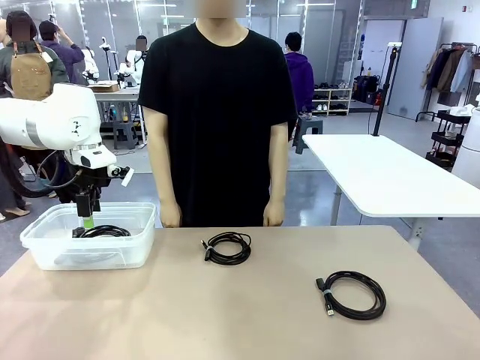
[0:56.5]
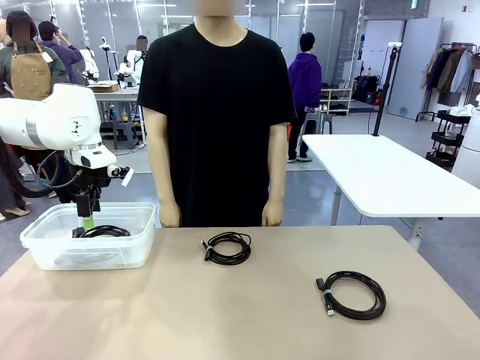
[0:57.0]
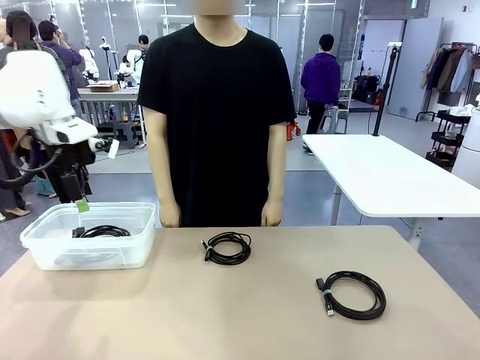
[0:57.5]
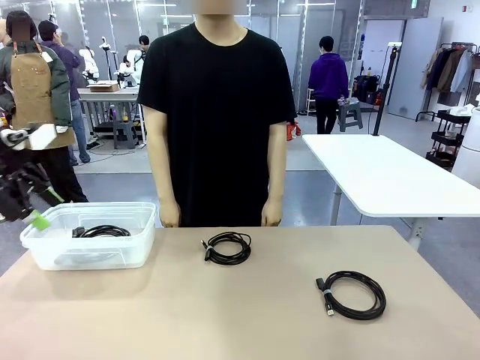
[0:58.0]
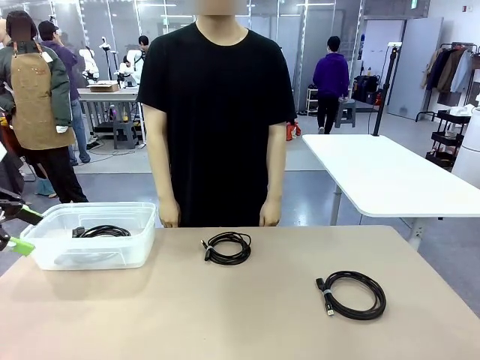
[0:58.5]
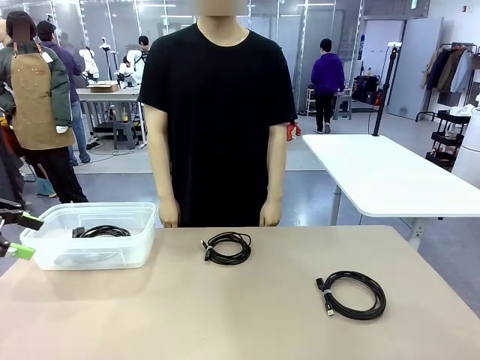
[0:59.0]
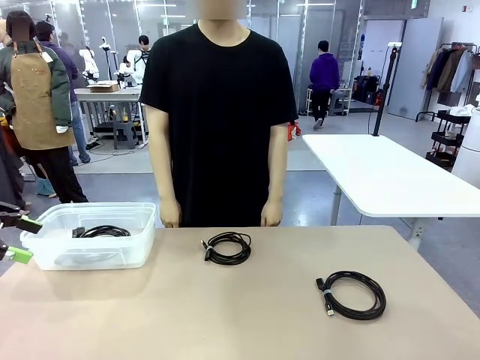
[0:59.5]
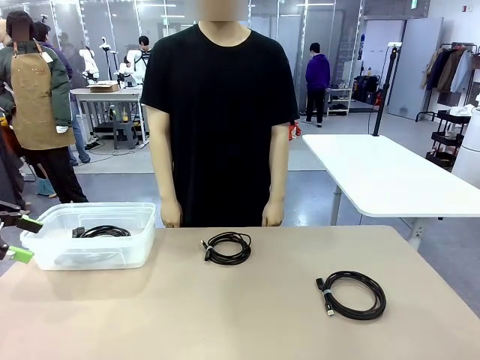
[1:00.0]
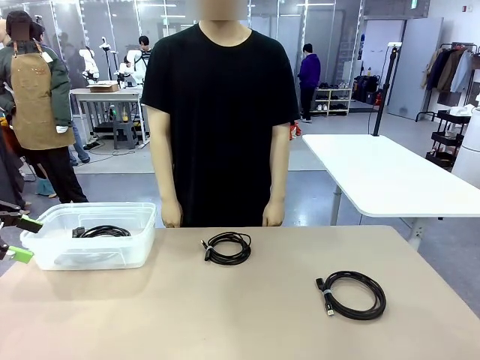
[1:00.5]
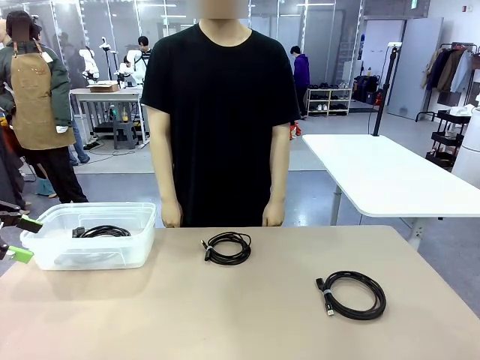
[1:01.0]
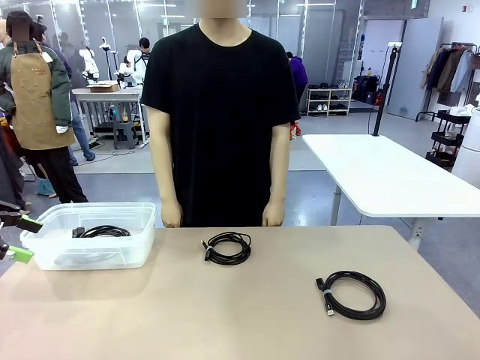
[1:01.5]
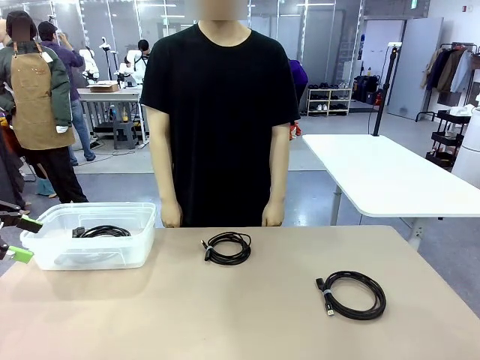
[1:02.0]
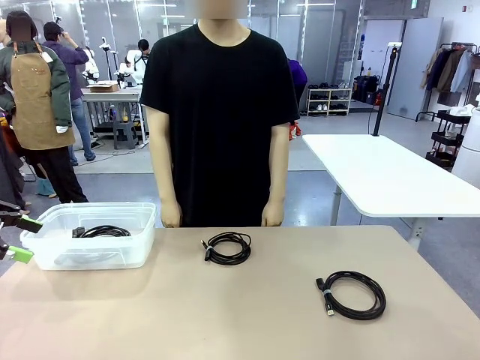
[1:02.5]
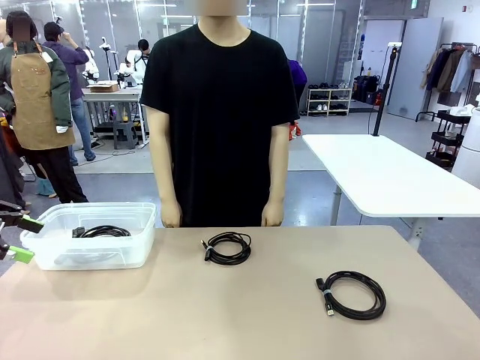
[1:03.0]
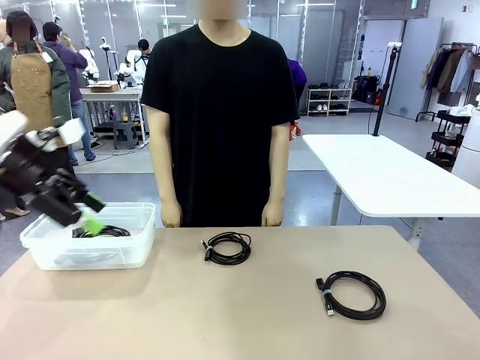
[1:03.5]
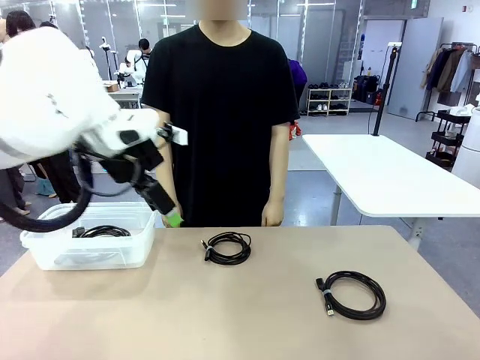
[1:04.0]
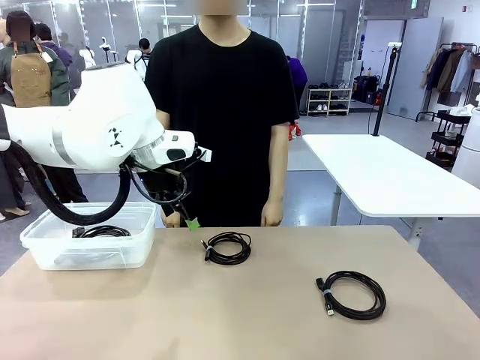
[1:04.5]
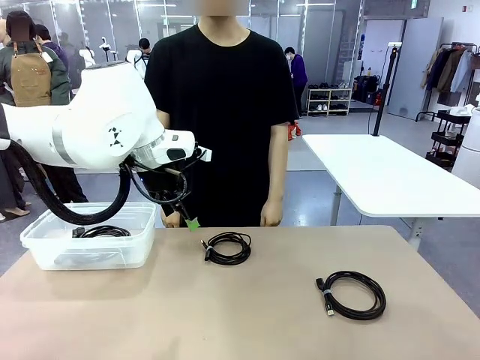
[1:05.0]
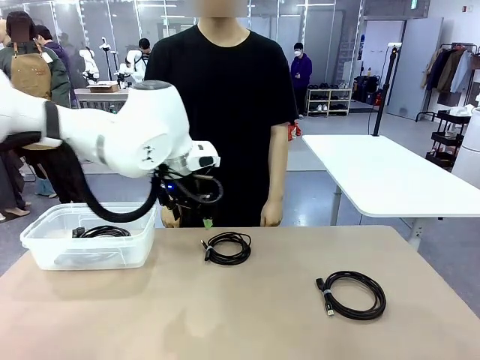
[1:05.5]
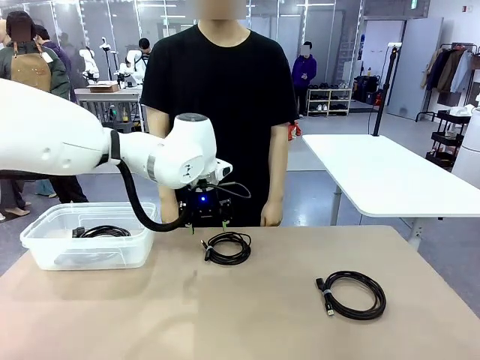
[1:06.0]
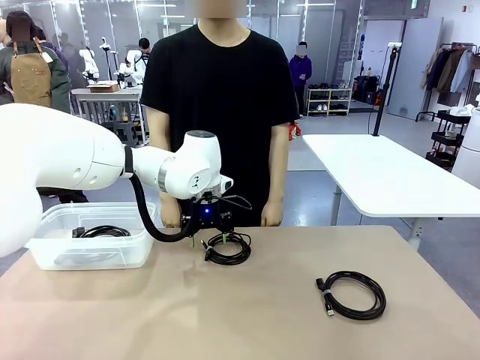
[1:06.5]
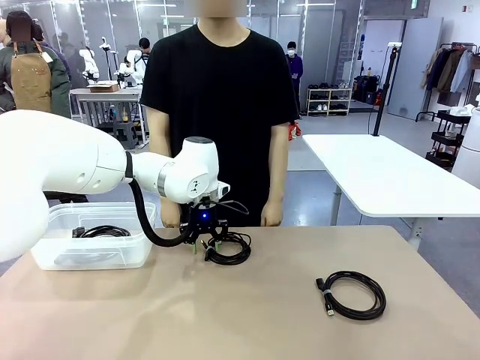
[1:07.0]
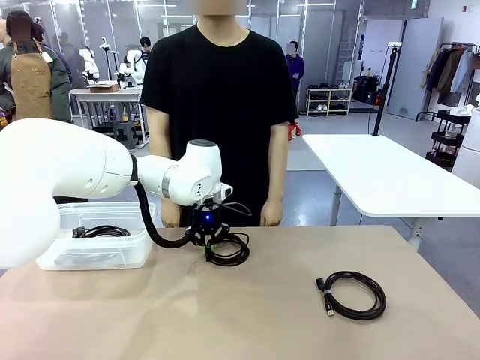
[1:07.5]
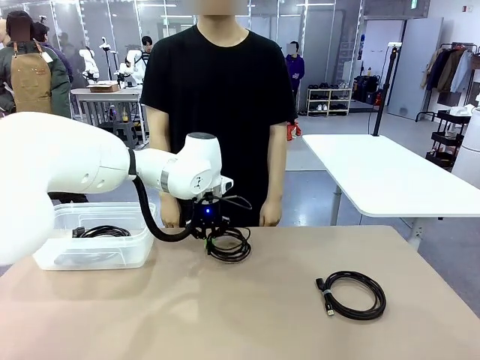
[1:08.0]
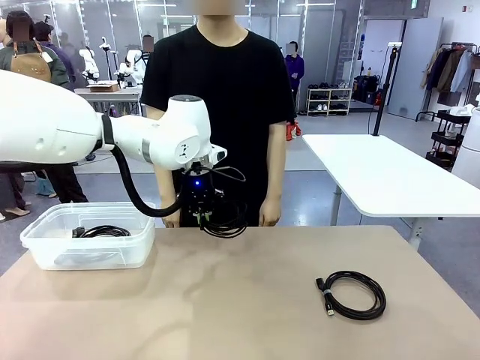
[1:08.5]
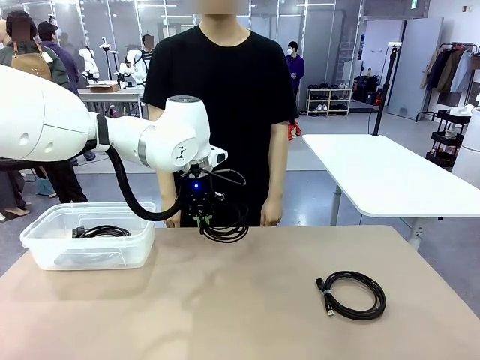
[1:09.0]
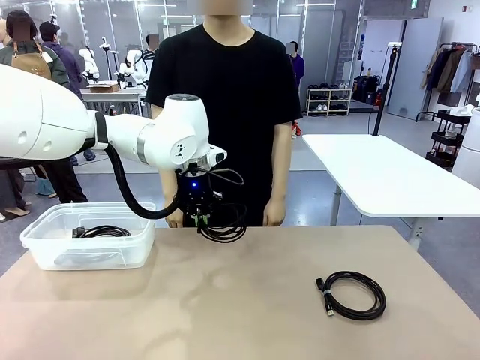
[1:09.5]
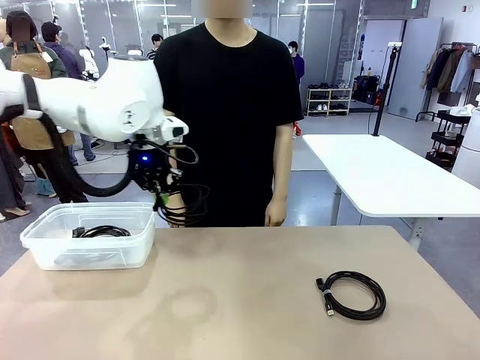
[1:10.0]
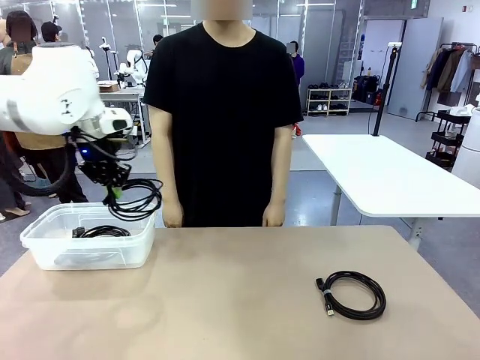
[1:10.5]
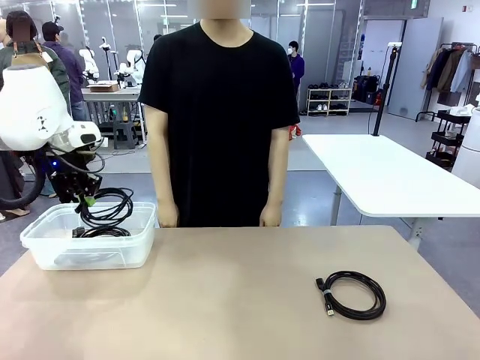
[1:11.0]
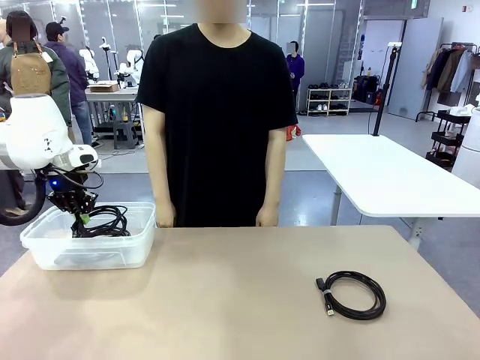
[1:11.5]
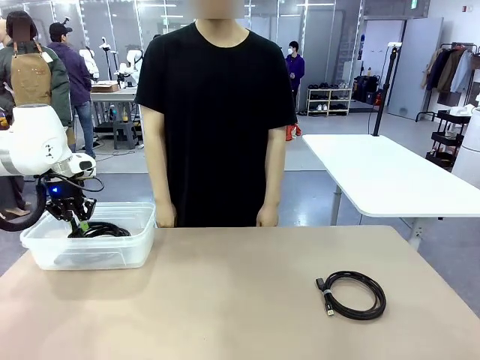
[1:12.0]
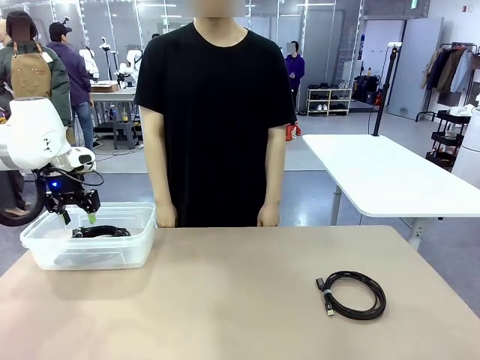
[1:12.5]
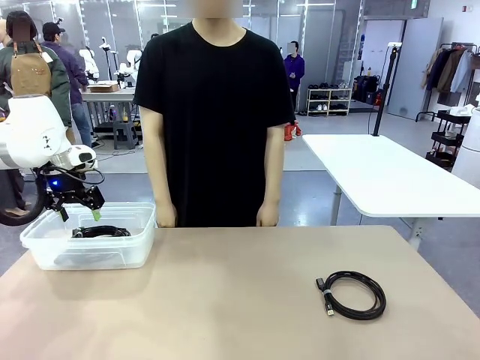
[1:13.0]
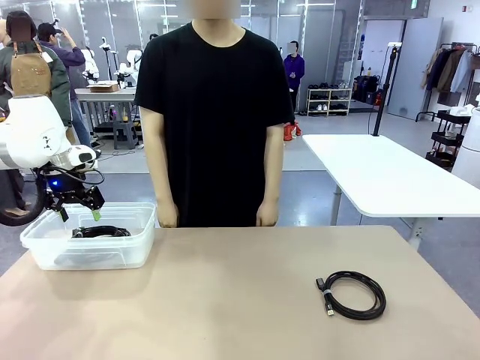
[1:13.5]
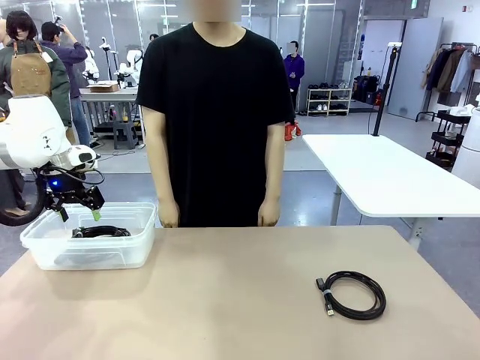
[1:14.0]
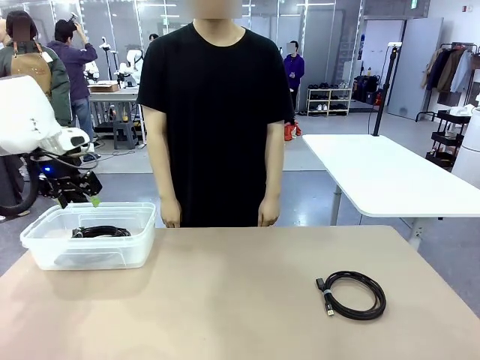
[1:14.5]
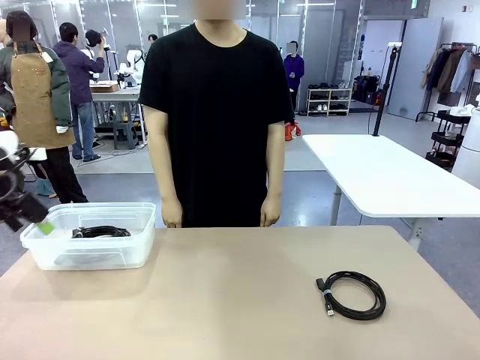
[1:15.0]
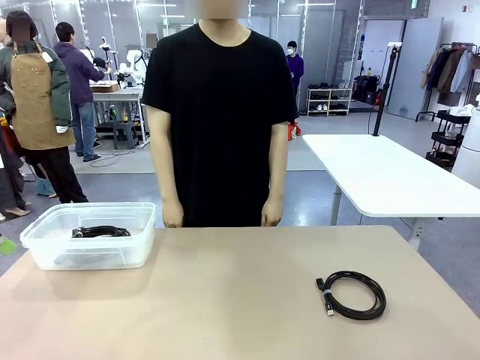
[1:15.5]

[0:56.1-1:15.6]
Task: Organize and store the cables.
Robot: Place the USB Extension Cable into the Organizing box.

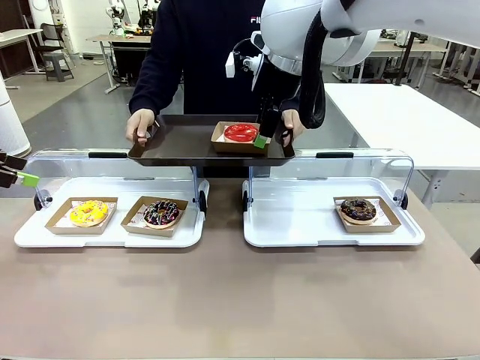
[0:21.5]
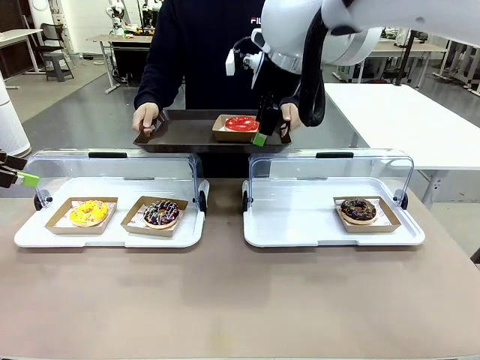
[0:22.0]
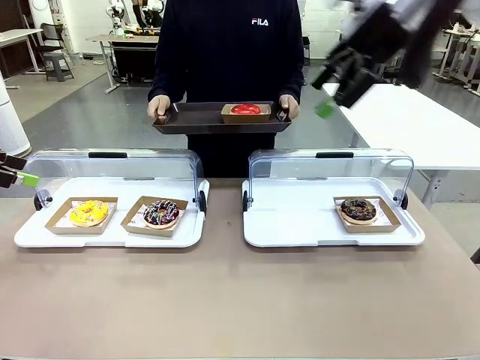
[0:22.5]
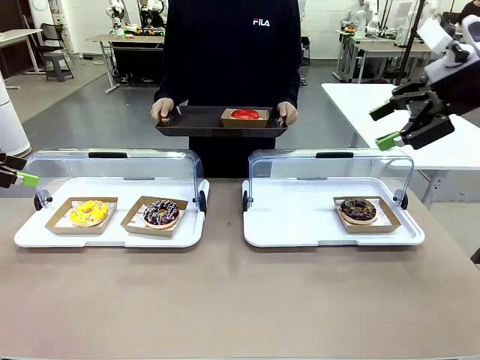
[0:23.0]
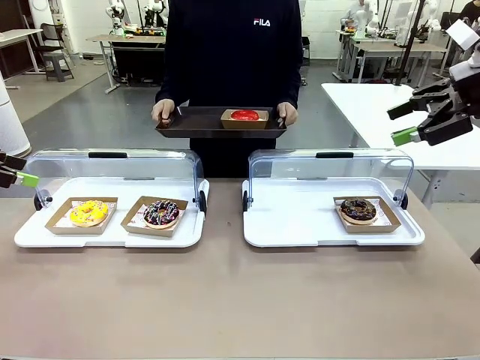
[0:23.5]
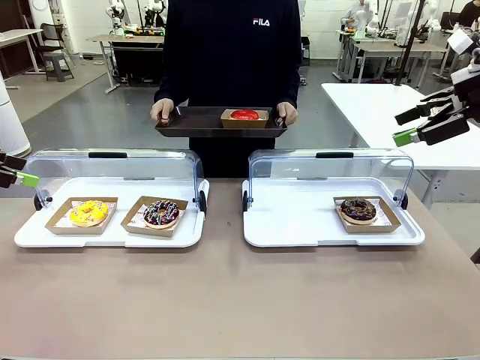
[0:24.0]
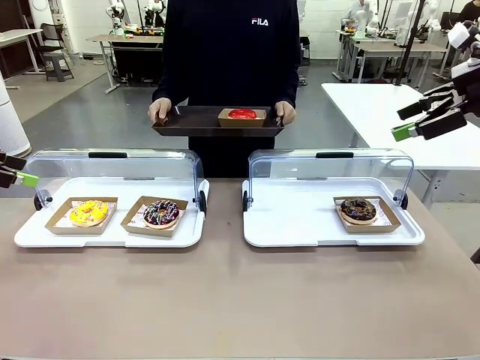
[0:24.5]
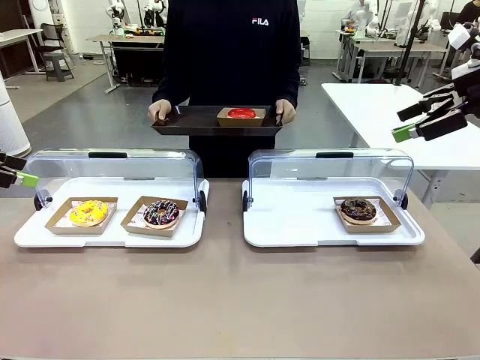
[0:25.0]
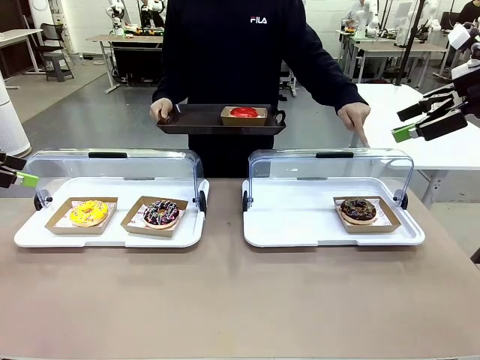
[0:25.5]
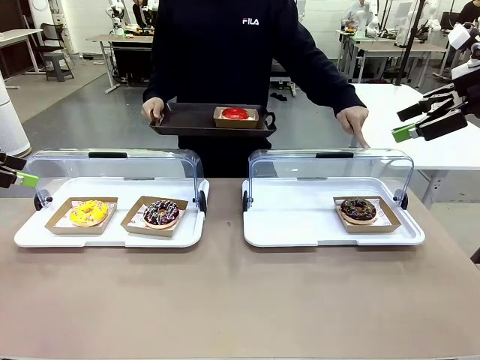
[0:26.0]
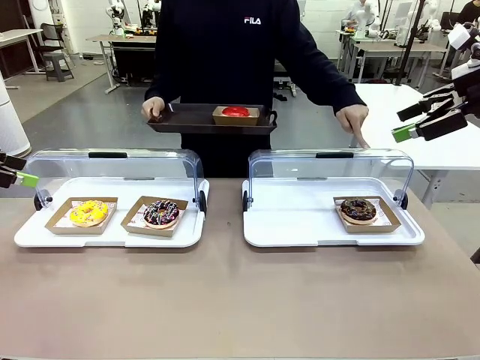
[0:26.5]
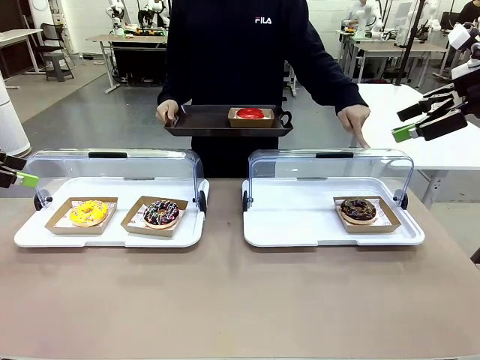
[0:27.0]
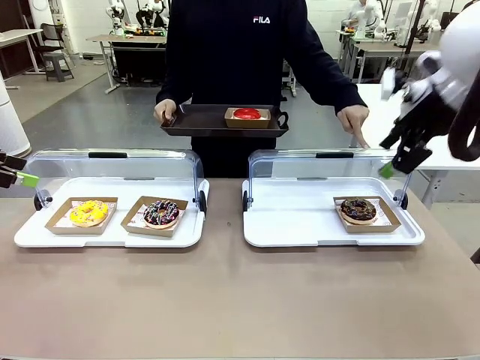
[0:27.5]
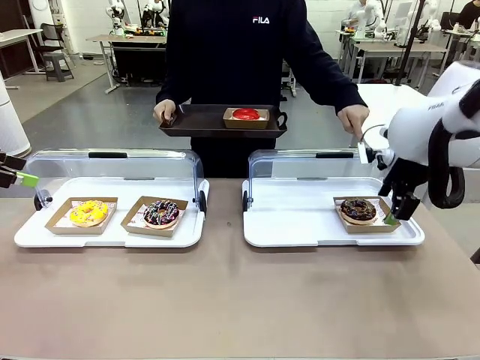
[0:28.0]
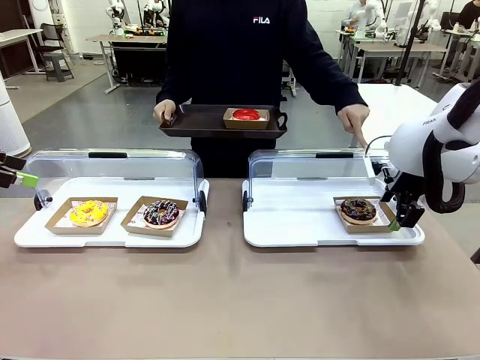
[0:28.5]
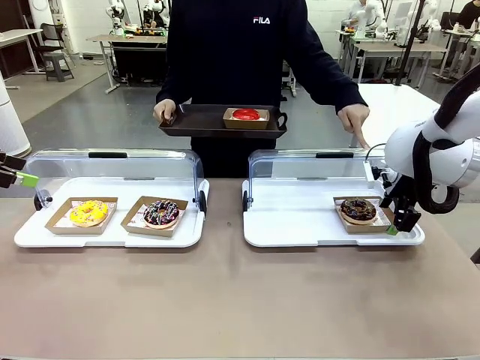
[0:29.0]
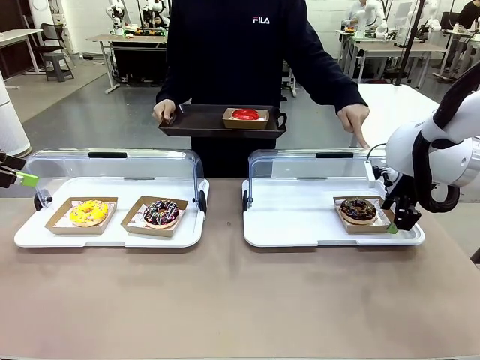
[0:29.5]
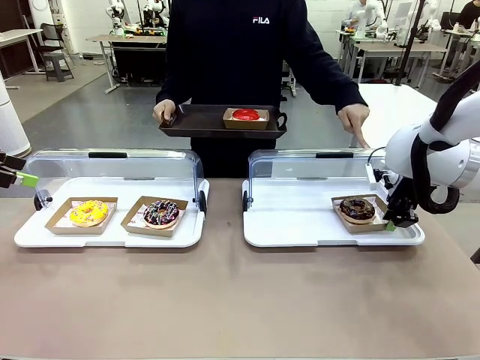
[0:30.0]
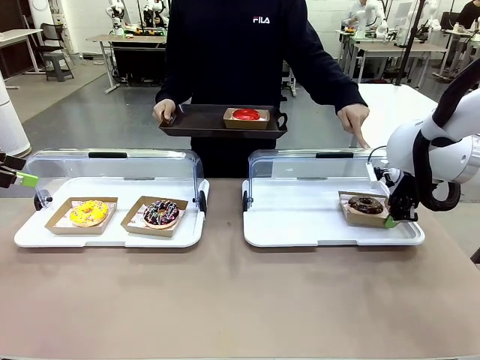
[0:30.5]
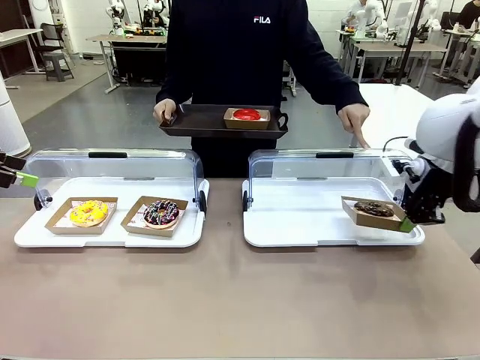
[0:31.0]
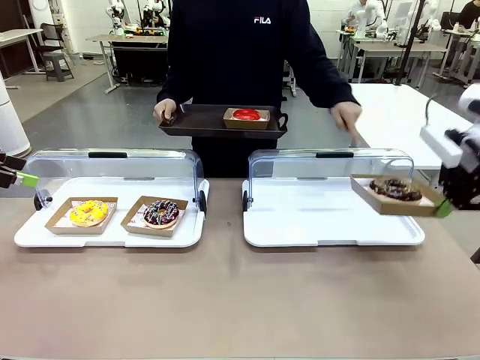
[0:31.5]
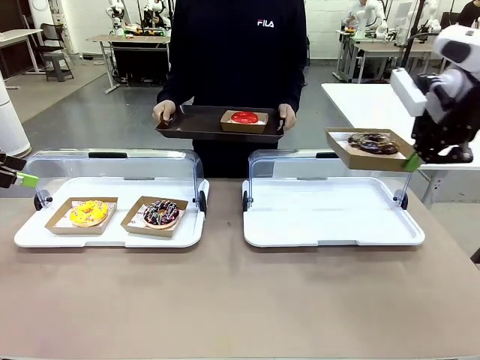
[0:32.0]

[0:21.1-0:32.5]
Task: Provide the desired donut to the person.
Robot: Pick up and lift the Paper togo box containing the Donut pointed at by the person.
Person: Point to one donut. Lift the tray onto the Roll-Top Bakery Case.
